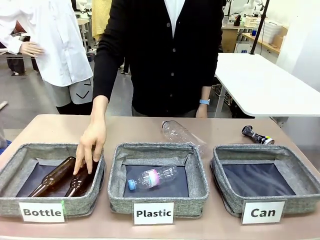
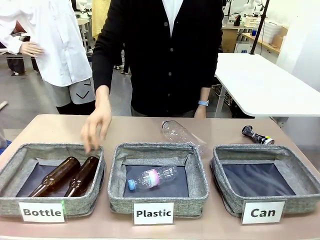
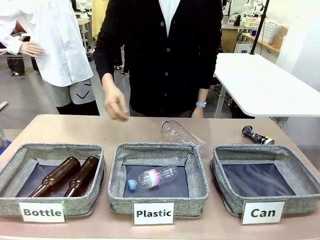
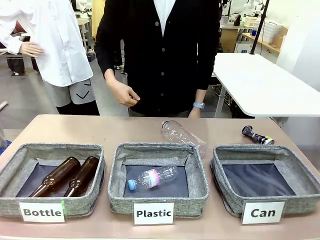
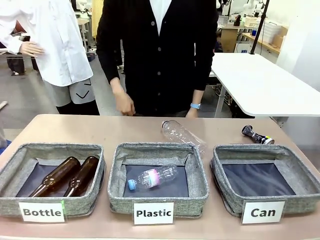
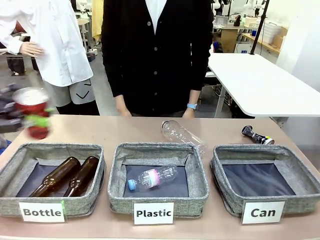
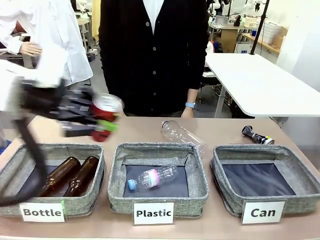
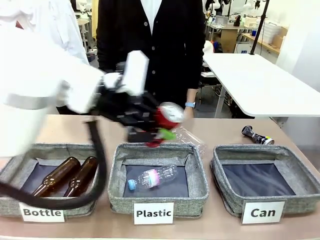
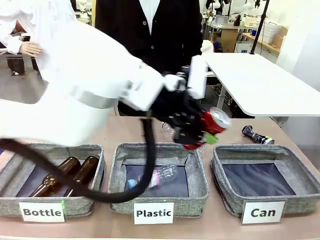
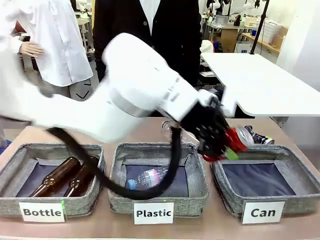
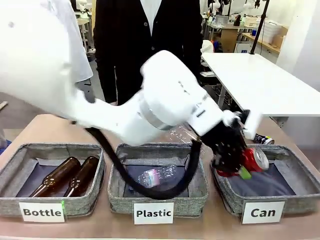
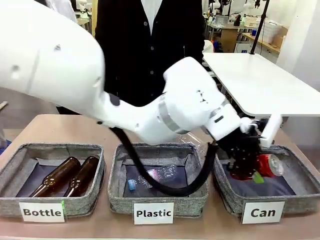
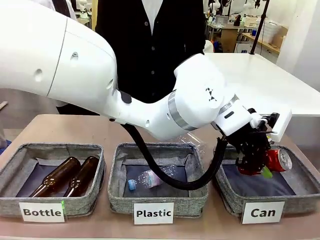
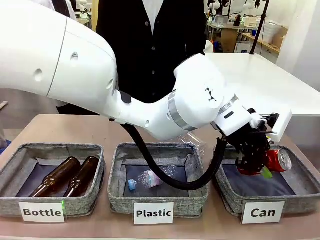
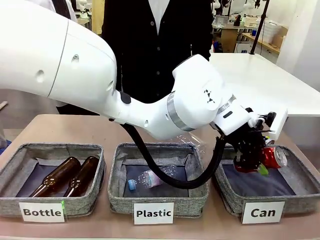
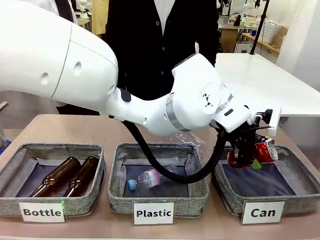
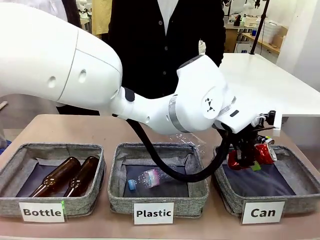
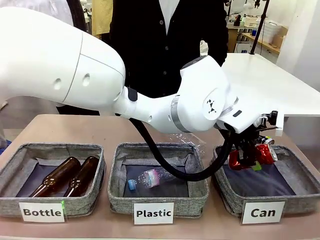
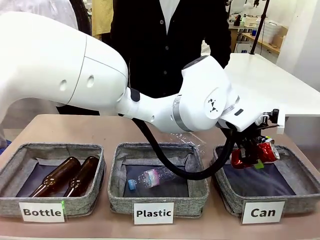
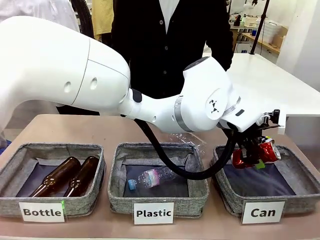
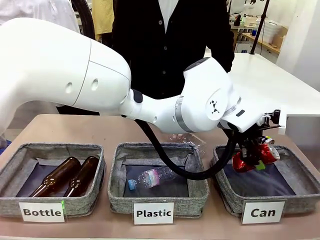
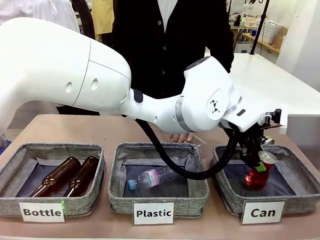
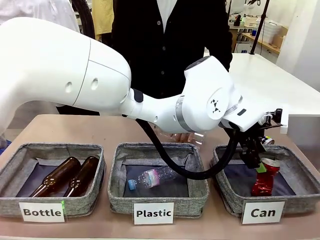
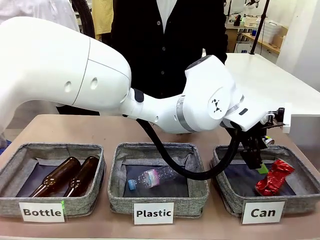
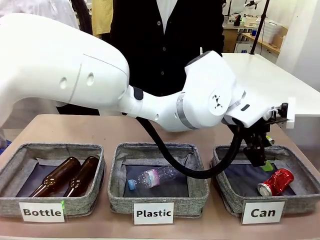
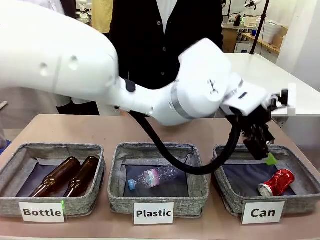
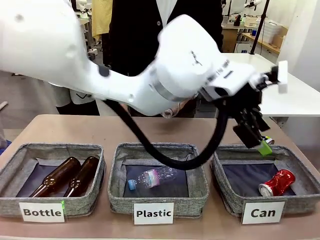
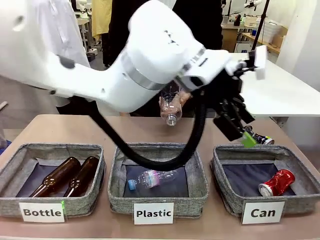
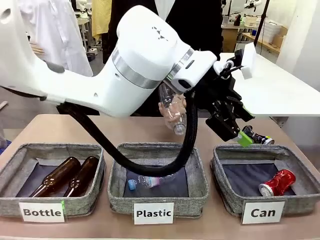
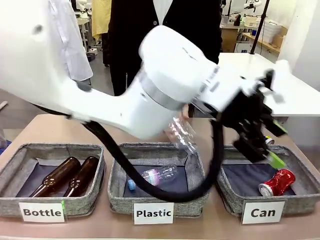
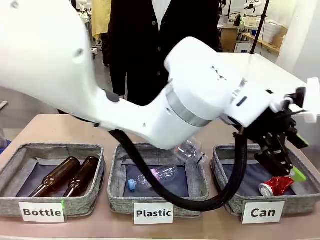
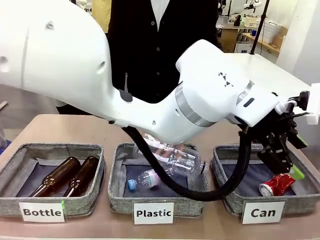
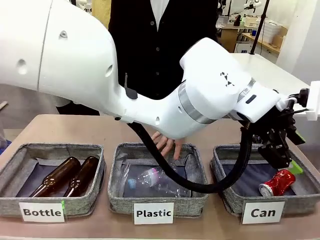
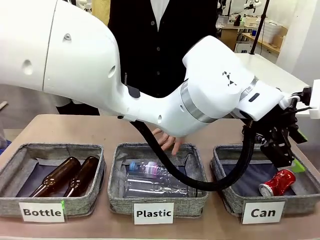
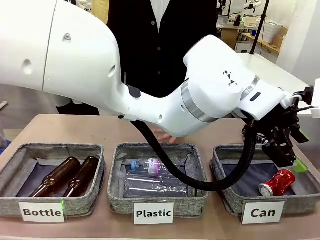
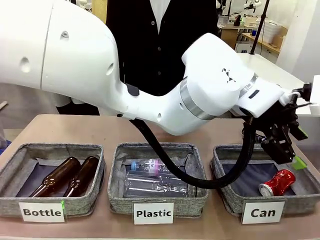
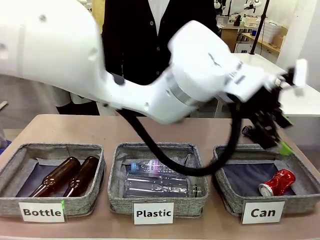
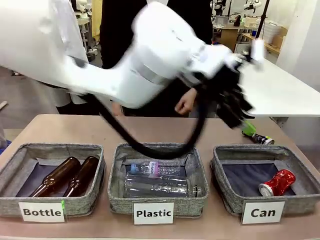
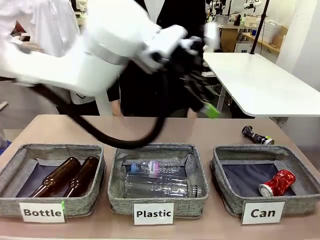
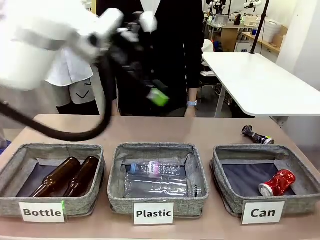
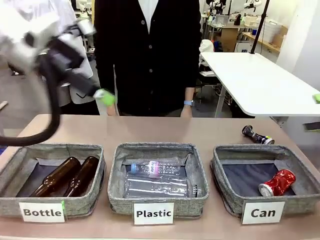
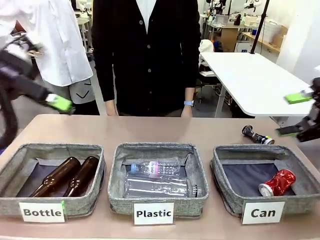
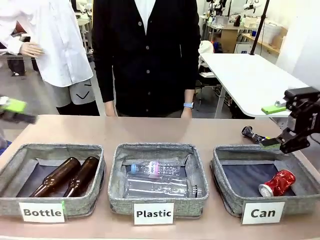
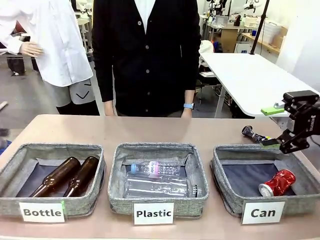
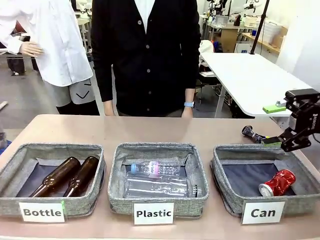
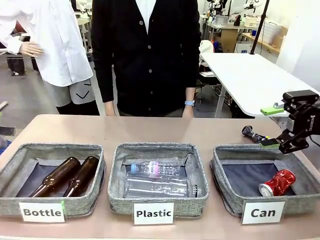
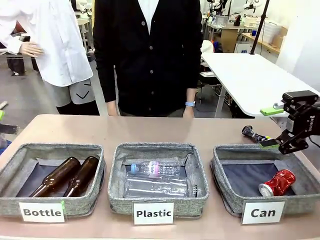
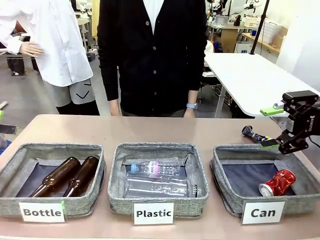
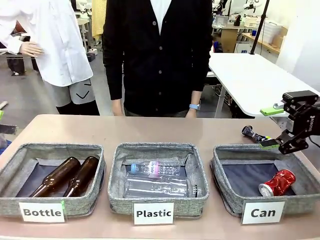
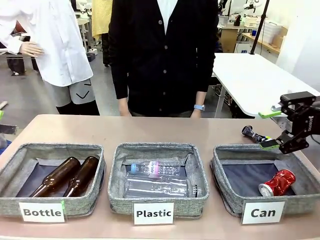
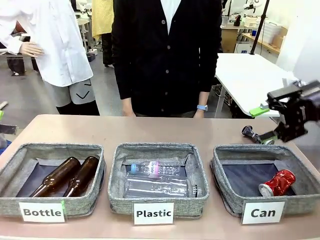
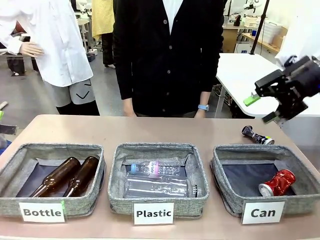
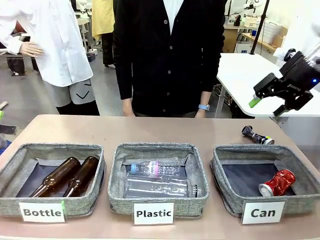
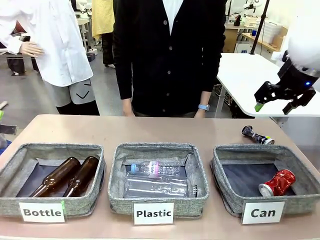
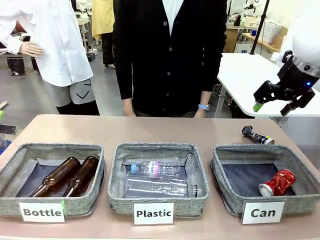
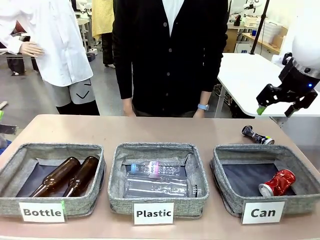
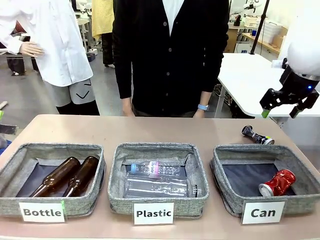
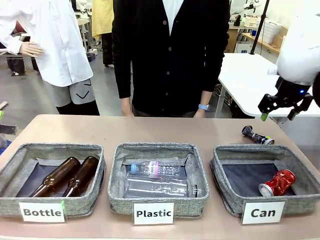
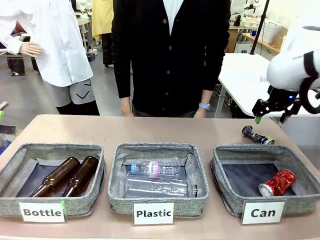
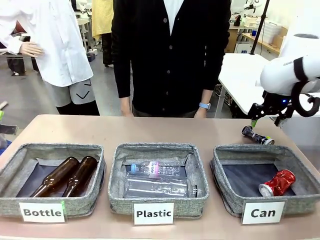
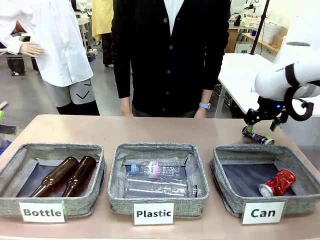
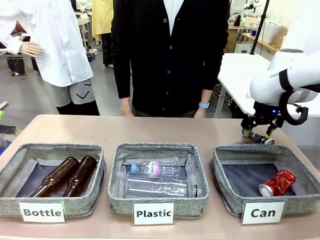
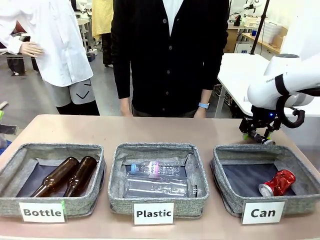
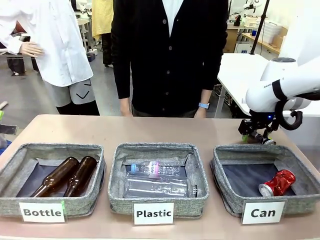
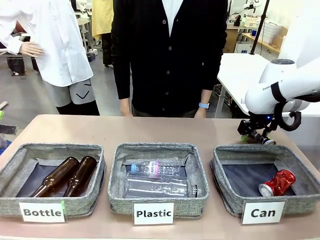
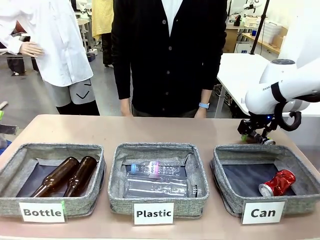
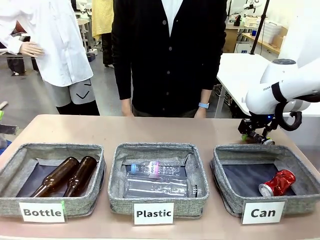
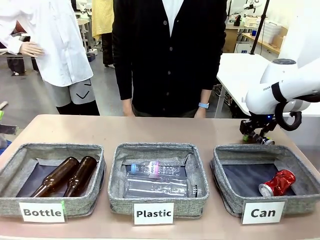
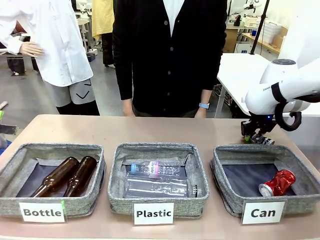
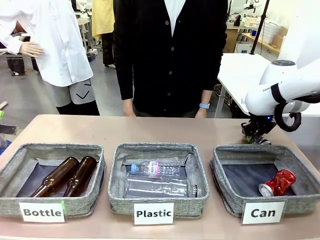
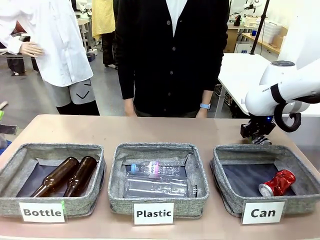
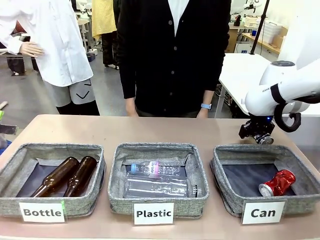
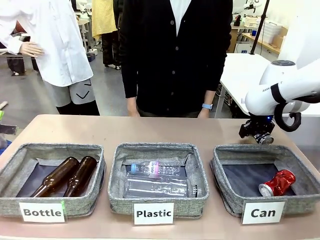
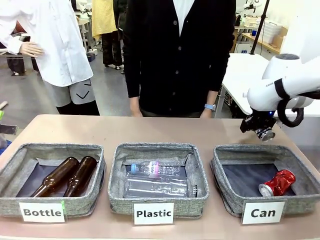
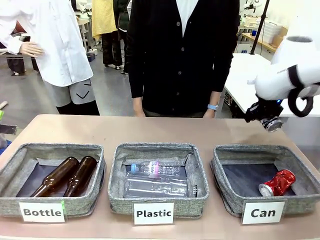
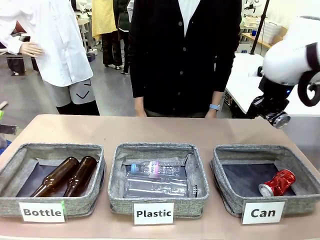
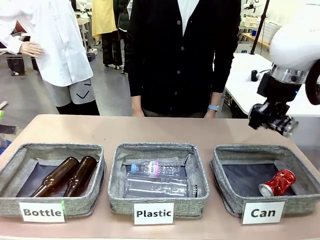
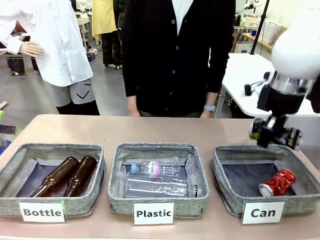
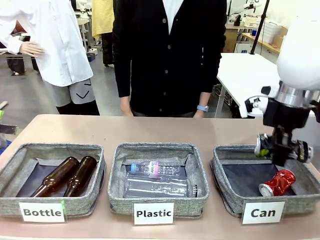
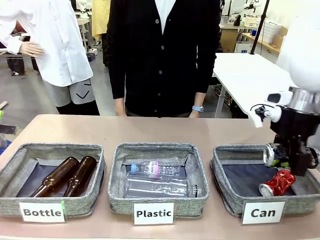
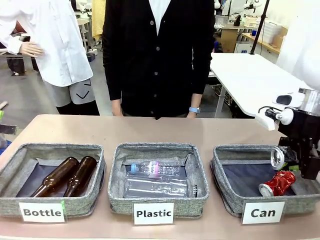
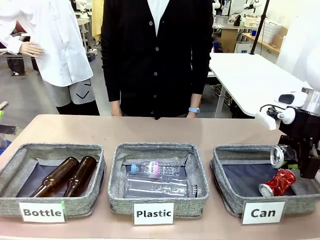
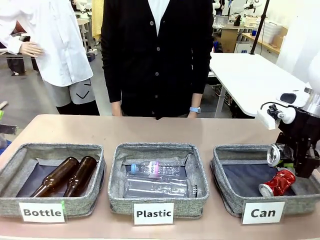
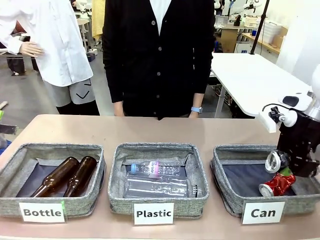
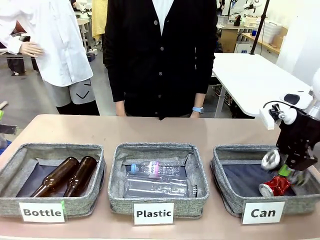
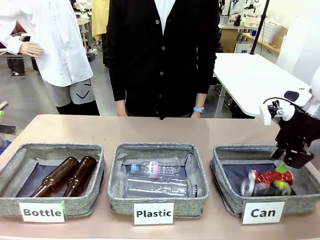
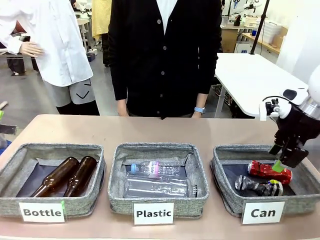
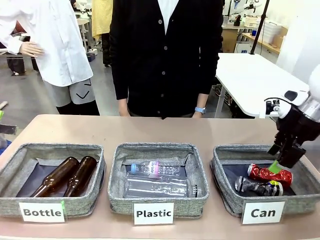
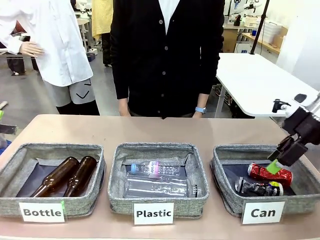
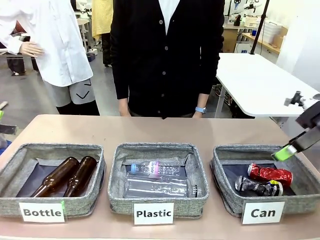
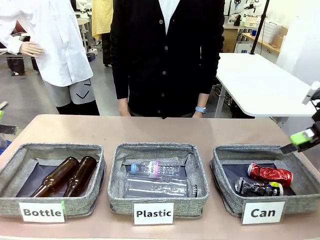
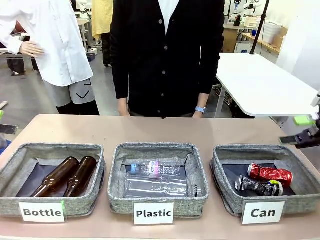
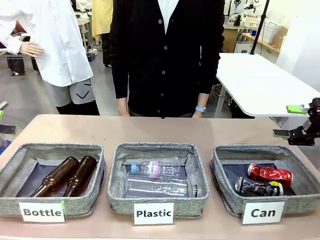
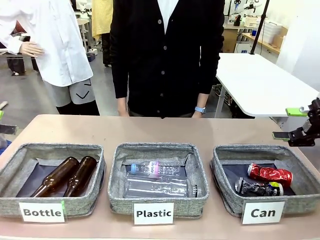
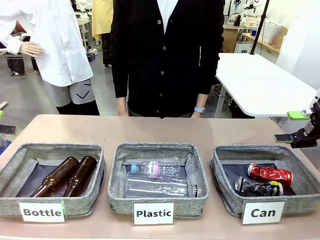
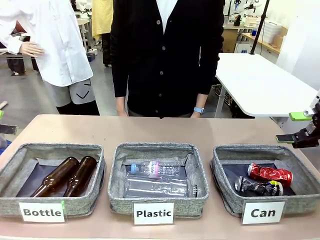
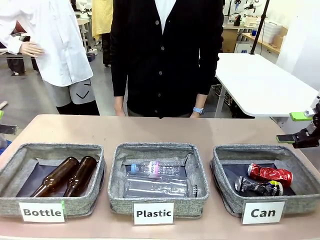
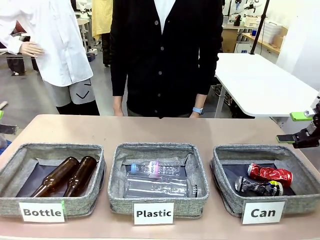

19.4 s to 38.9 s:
Task: Sort the can waste into the basket.
Robot: Pick up the can waste from the table and place it in the right Fabric basket.
Person: The human picks up one piece of trash that is not a can and places the trash into the appropriate organizing basket.
